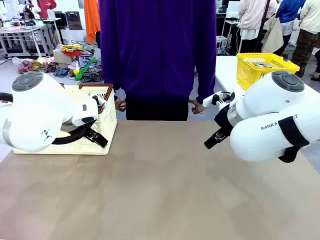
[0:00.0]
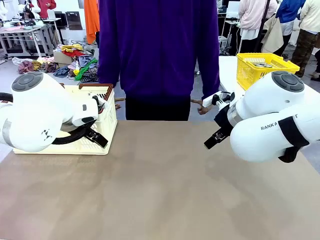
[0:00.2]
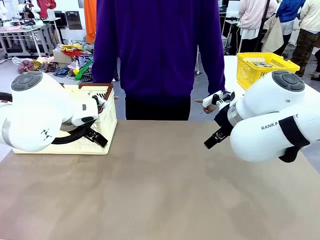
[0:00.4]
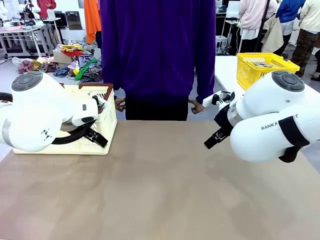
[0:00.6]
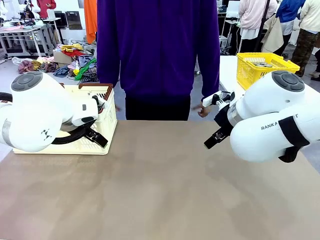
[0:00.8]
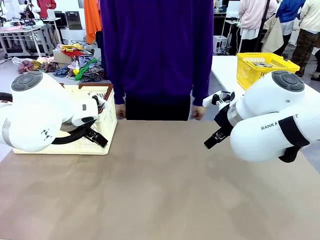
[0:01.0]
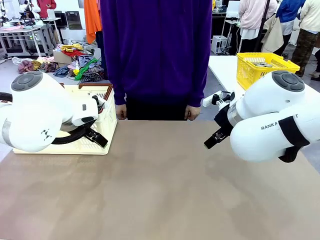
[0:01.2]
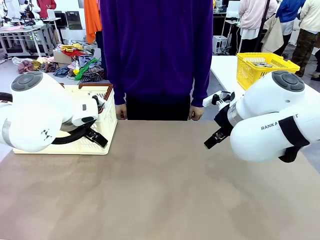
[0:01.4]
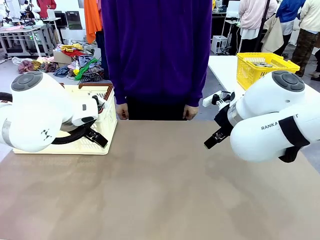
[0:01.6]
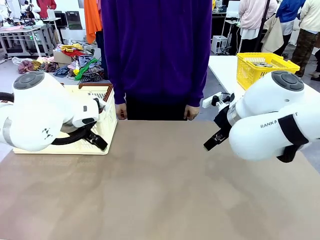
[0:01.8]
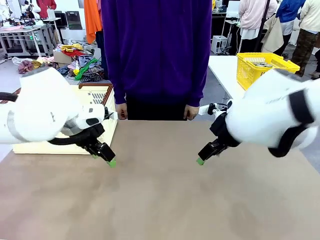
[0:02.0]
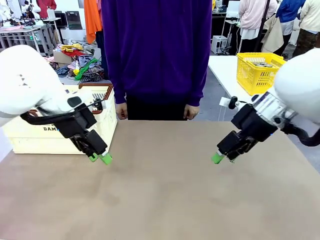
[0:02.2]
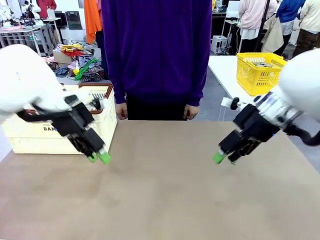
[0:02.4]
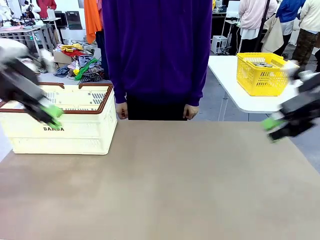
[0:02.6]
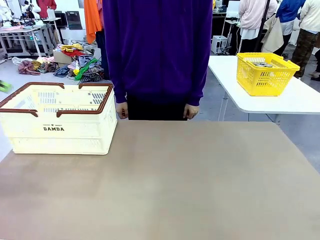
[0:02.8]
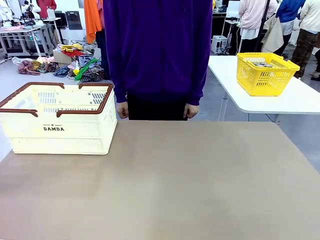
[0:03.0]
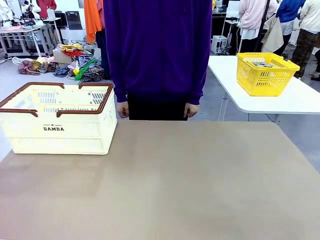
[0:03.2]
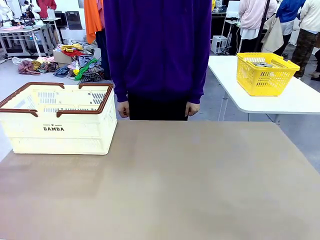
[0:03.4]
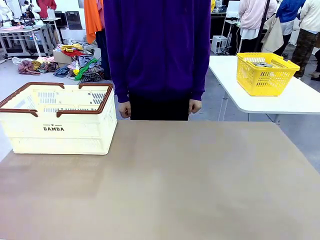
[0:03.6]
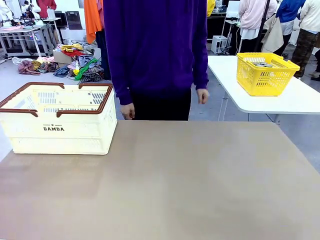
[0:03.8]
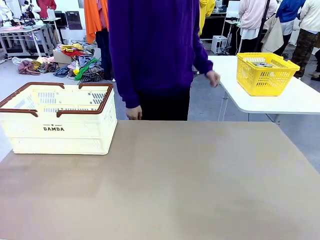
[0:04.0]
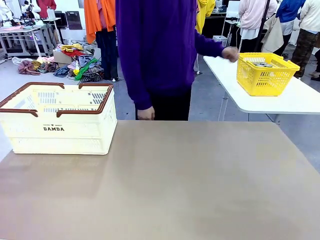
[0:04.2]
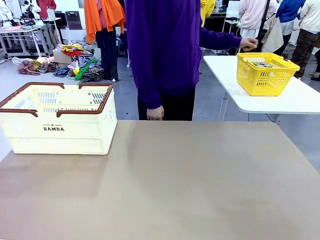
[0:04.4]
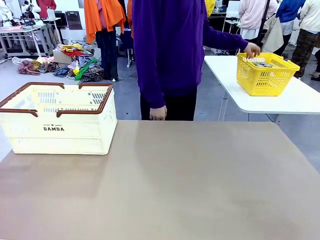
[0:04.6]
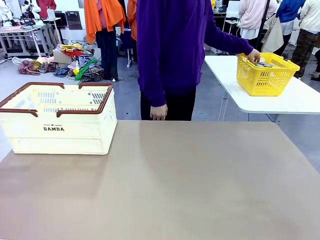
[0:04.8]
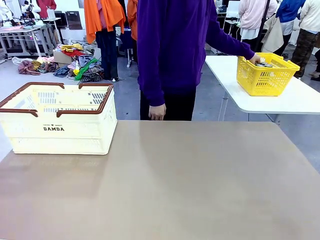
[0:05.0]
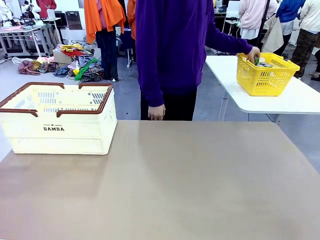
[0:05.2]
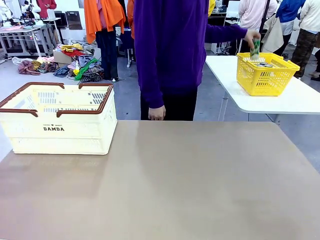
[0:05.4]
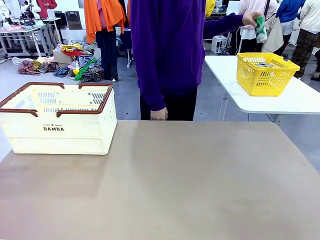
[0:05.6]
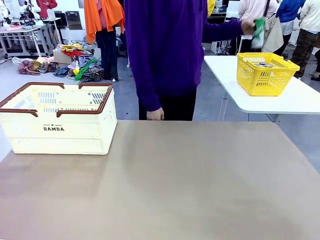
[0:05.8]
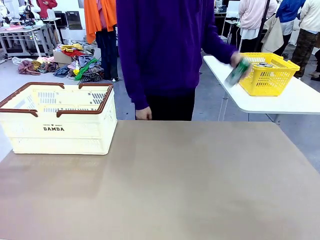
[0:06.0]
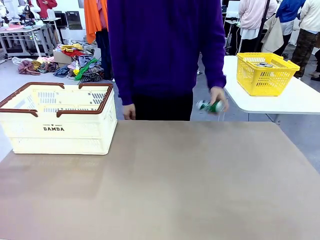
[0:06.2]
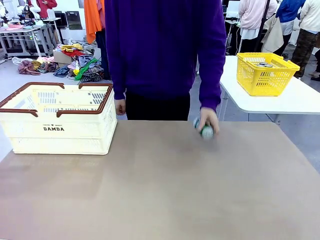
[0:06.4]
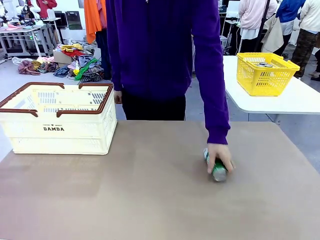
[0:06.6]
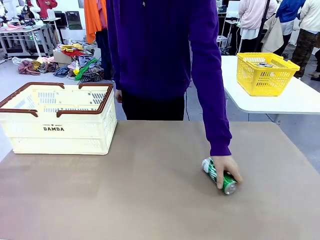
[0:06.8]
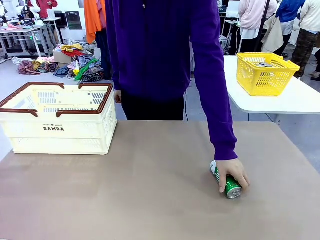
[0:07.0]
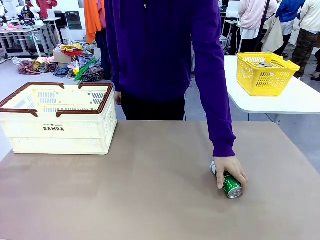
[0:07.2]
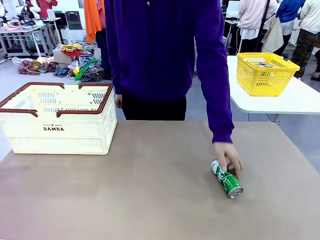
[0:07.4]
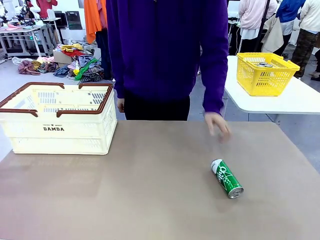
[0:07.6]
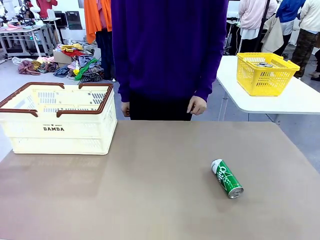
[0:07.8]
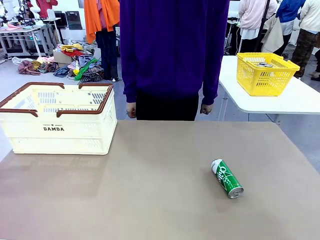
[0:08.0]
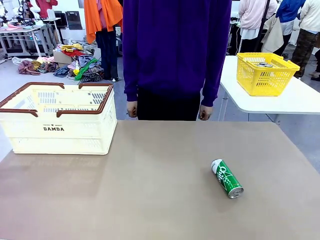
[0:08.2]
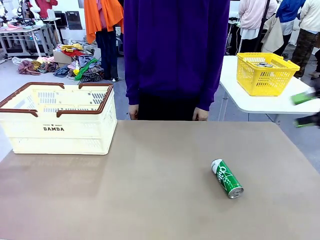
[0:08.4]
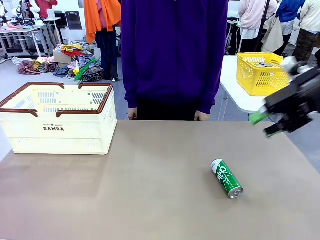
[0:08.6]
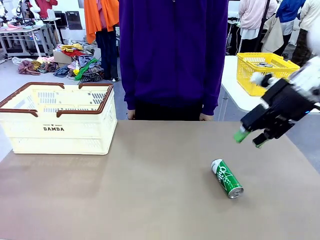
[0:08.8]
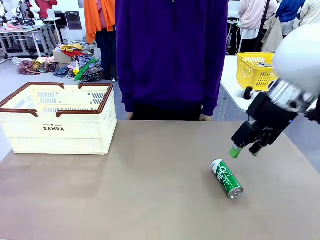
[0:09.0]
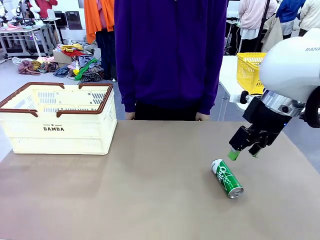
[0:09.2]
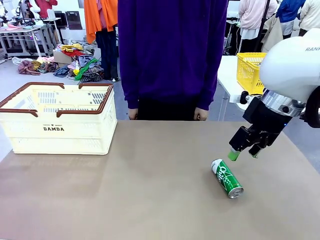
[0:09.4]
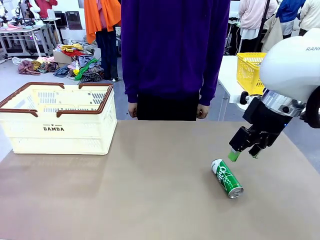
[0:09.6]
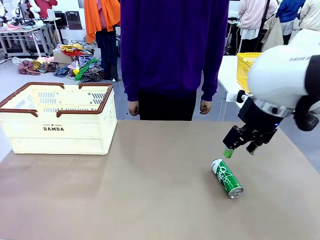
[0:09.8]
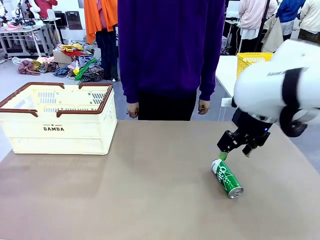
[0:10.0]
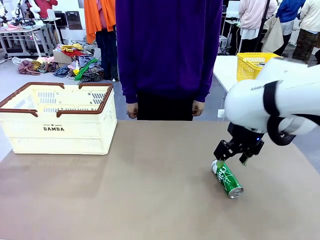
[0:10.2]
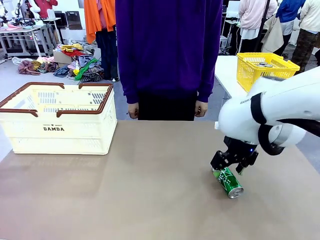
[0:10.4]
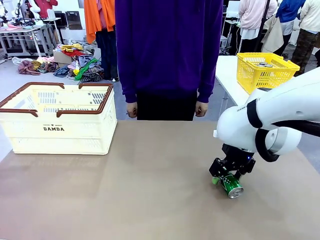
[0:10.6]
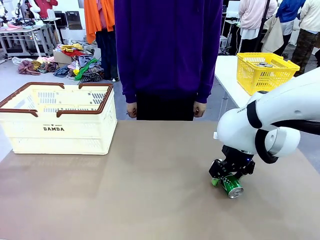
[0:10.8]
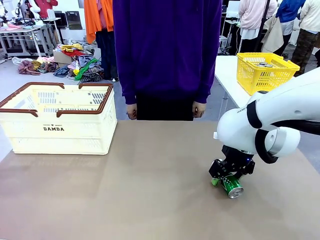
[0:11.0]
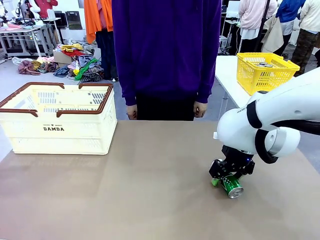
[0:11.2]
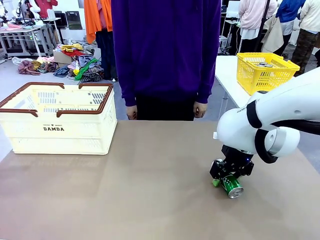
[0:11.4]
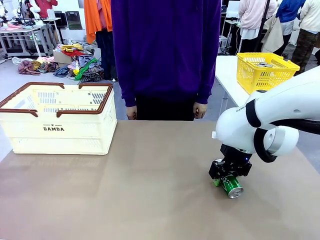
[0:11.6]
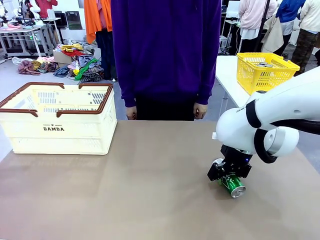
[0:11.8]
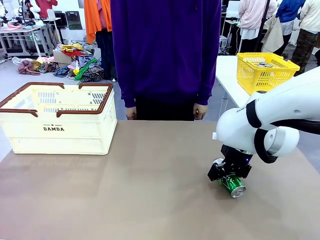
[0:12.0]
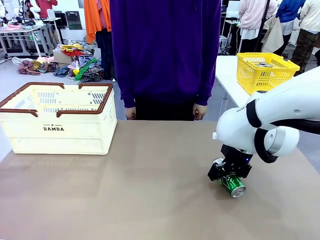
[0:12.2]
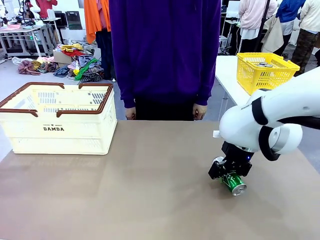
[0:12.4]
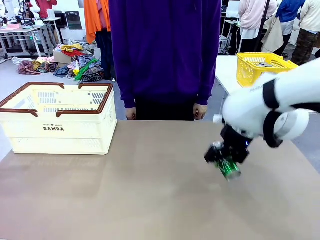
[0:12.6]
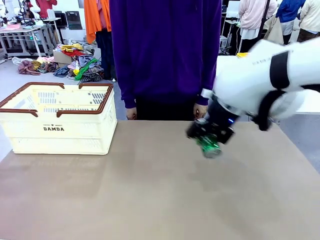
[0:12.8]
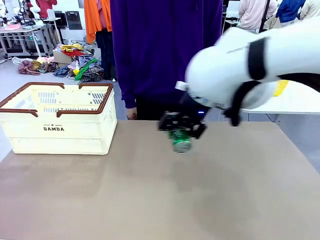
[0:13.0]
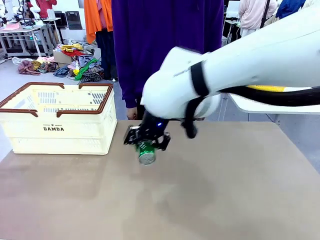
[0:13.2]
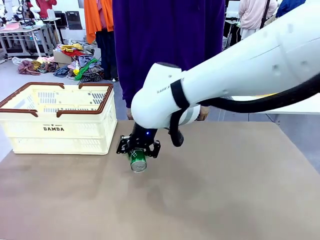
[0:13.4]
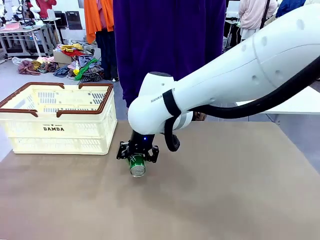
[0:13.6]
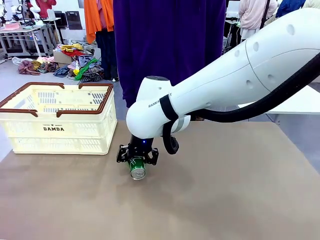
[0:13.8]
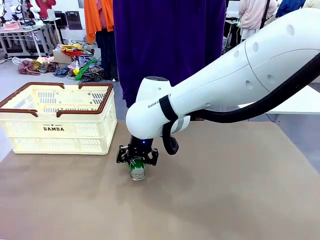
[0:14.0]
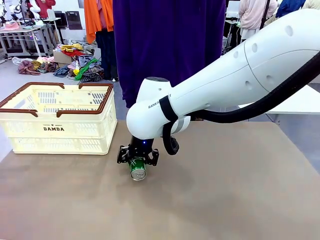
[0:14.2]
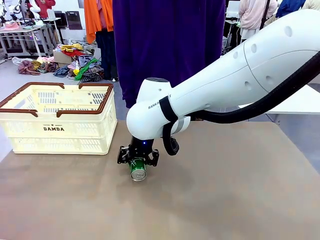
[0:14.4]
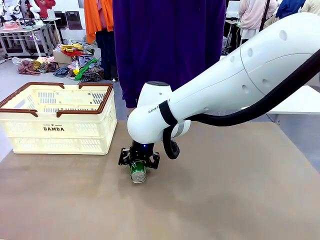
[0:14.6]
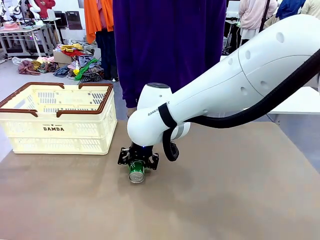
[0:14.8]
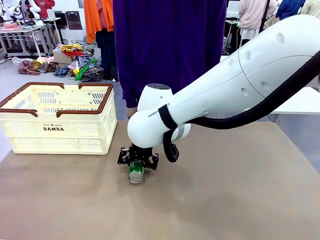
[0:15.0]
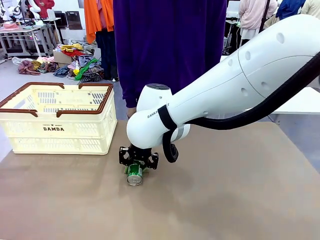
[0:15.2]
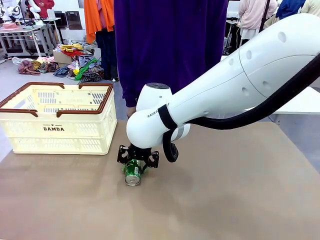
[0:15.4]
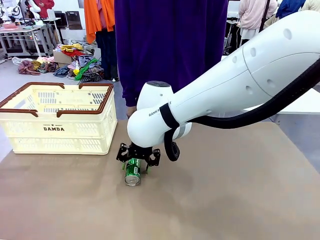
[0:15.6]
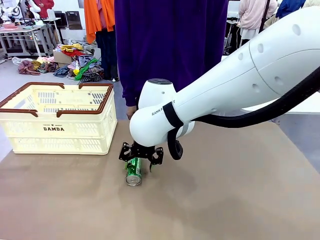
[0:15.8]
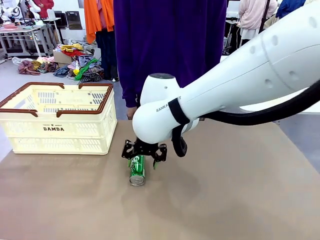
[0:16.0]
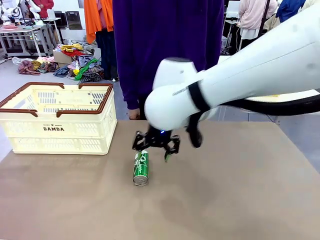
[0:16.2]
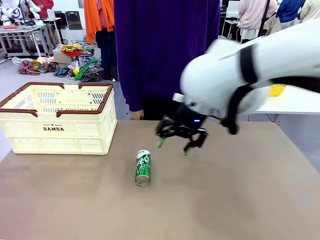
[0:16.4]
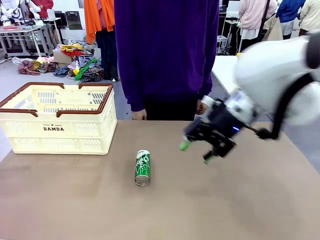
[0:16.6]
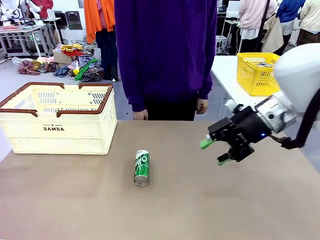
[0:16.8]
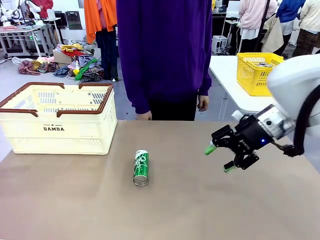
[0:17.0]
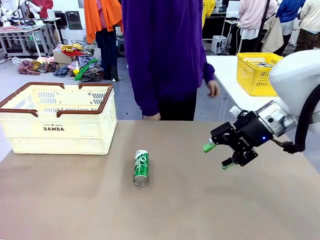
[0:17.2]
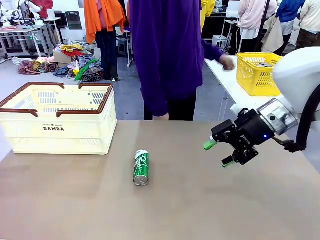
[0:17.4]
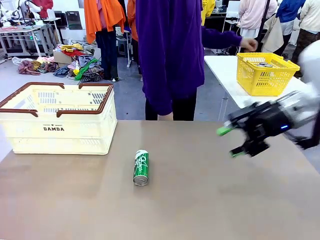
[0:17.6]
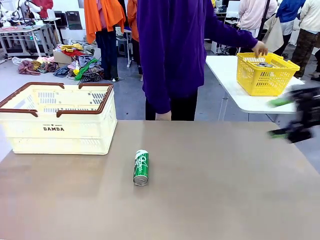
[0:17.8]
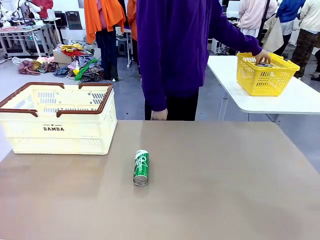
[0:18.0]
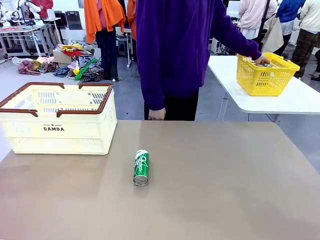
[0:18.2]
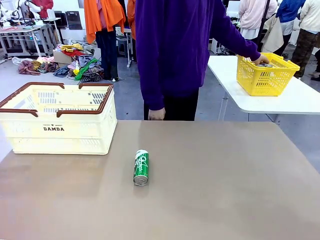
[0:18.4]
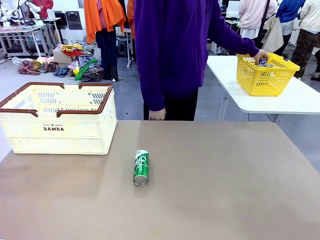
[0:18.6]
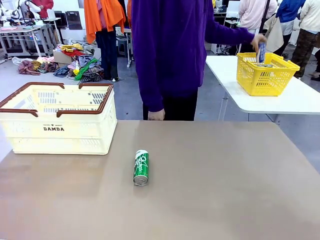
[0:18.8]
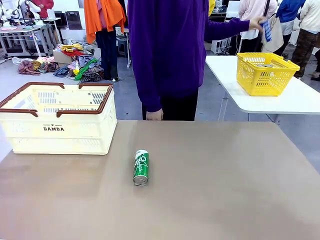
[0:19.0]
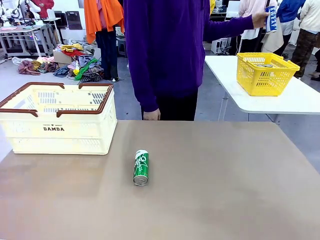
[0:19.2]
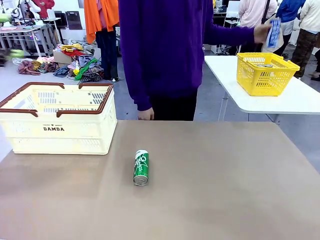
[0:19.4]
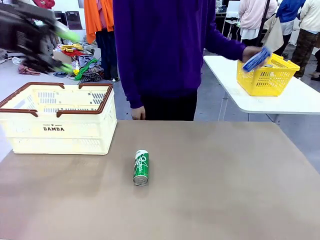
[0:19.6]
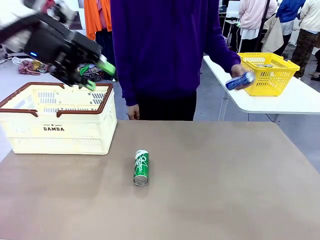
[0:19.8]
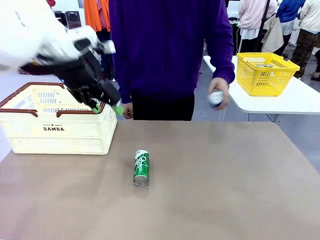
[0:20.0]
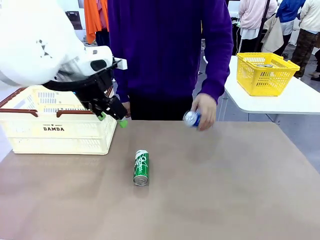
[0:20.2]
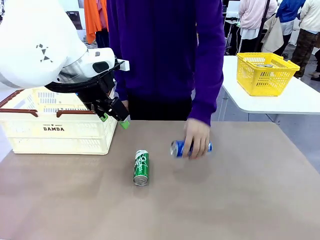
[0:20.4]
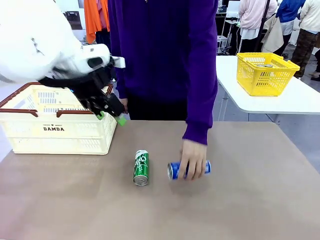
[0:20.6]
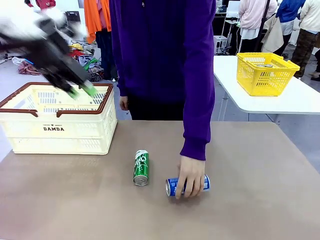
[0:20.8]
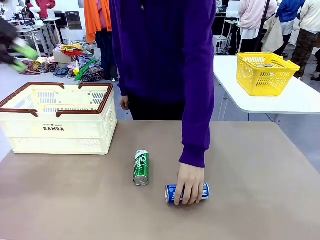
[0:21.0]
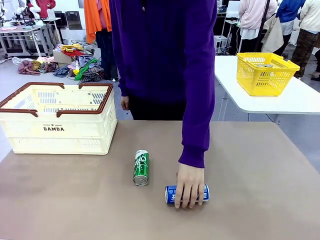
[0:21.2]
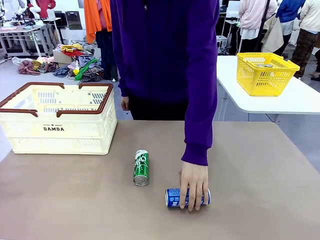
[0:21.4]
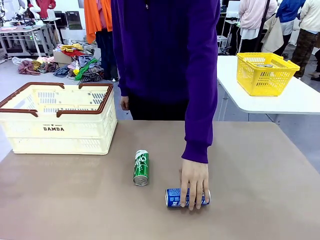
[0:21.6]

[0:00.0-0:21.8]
Task: Place the drinks into the Shopping basket.
Robot: Pick up one drink and place it into the Shopping basket.
